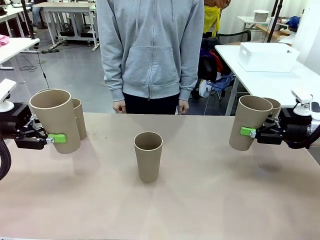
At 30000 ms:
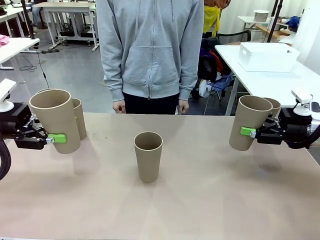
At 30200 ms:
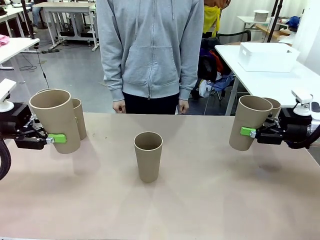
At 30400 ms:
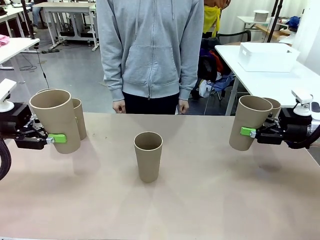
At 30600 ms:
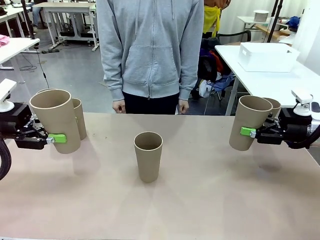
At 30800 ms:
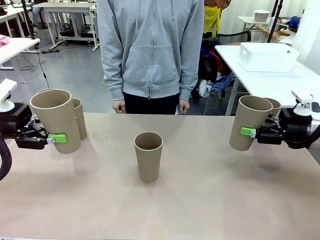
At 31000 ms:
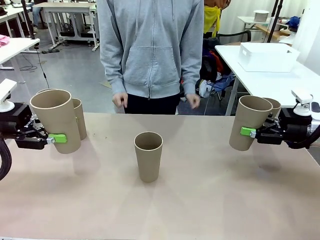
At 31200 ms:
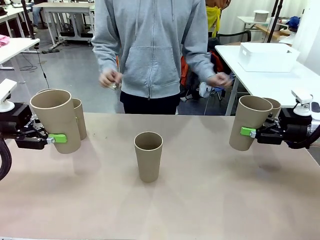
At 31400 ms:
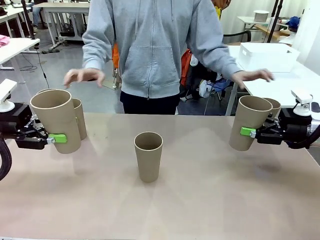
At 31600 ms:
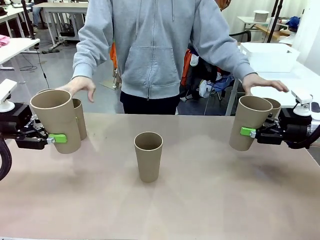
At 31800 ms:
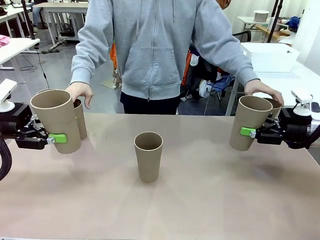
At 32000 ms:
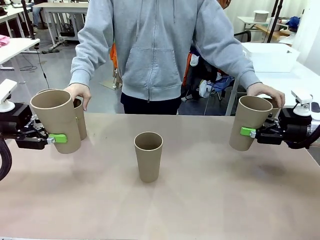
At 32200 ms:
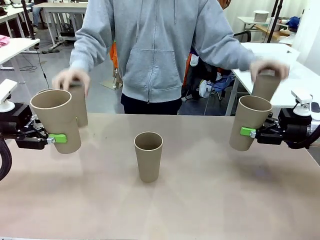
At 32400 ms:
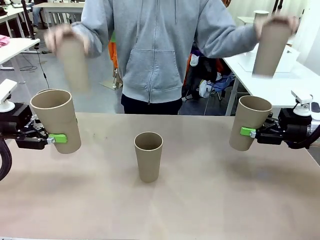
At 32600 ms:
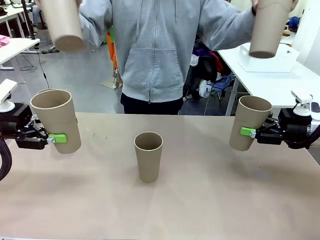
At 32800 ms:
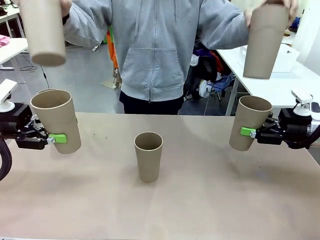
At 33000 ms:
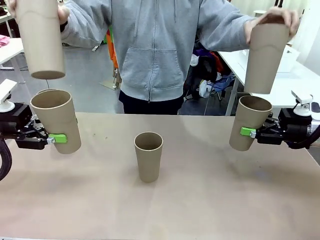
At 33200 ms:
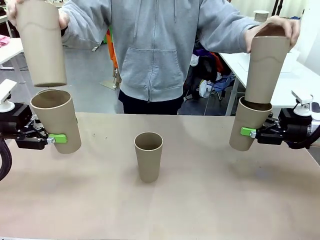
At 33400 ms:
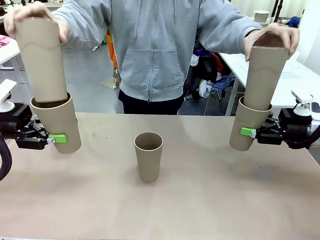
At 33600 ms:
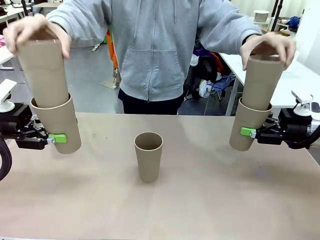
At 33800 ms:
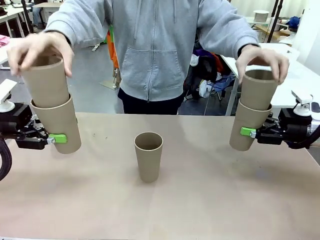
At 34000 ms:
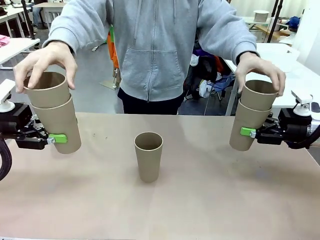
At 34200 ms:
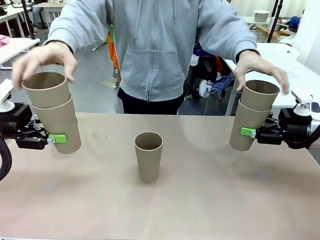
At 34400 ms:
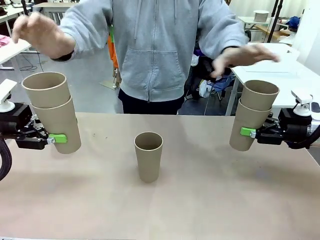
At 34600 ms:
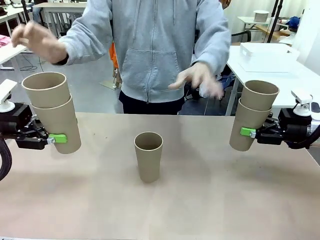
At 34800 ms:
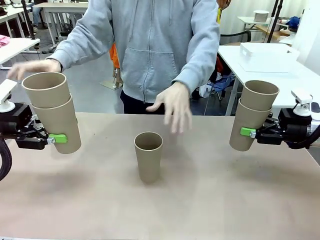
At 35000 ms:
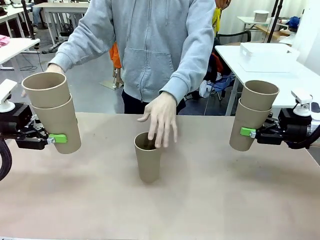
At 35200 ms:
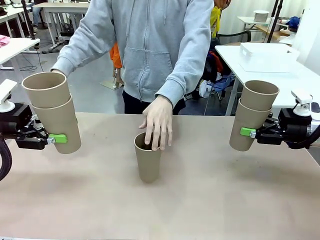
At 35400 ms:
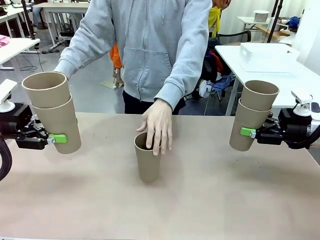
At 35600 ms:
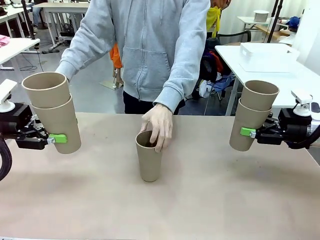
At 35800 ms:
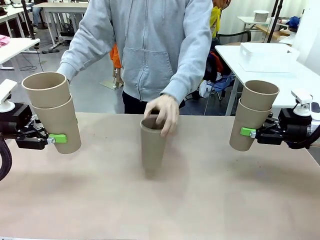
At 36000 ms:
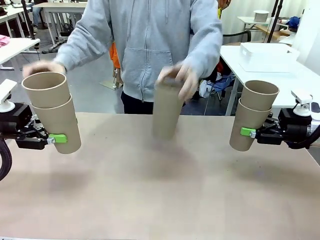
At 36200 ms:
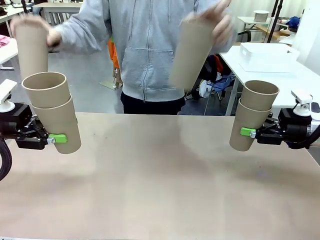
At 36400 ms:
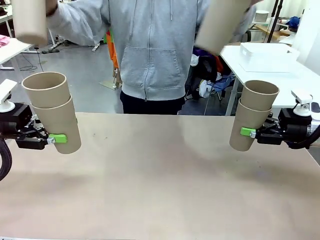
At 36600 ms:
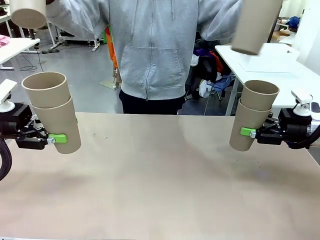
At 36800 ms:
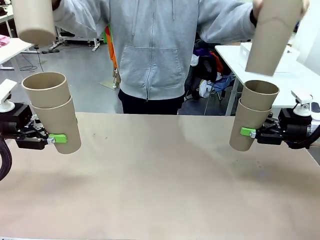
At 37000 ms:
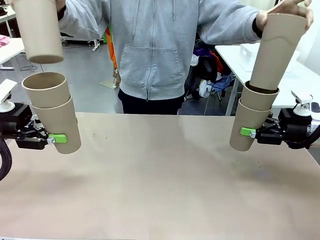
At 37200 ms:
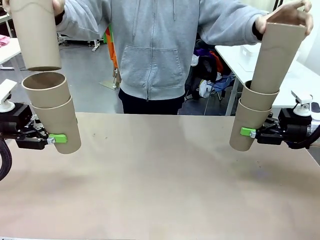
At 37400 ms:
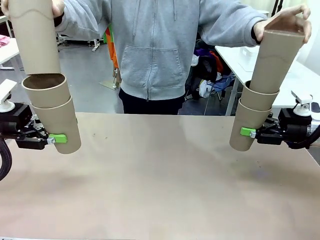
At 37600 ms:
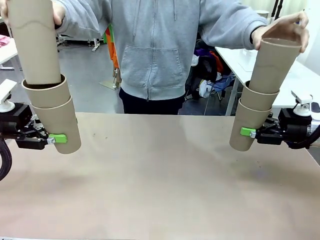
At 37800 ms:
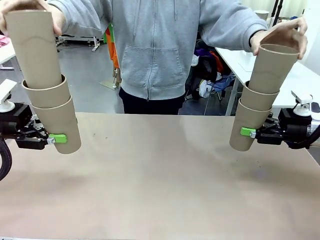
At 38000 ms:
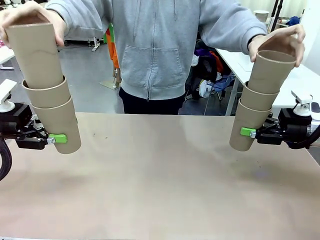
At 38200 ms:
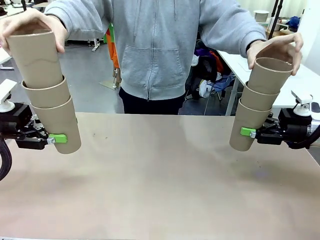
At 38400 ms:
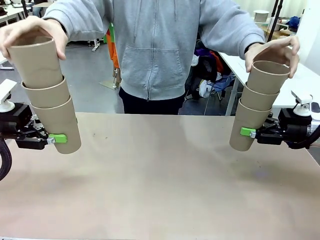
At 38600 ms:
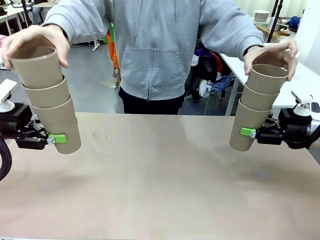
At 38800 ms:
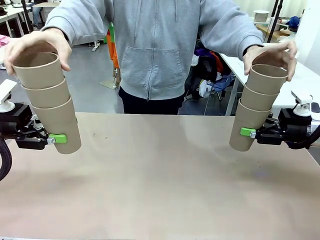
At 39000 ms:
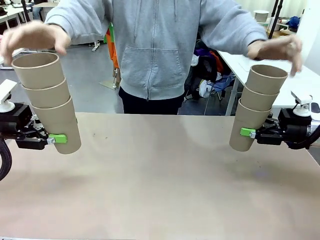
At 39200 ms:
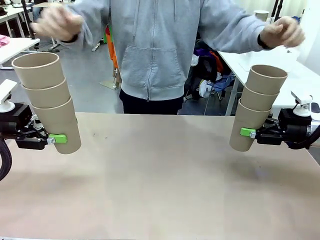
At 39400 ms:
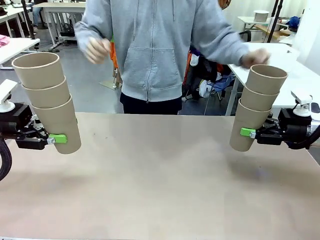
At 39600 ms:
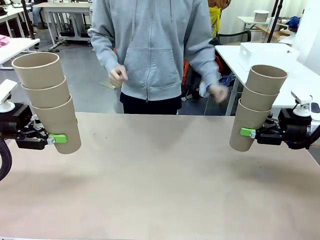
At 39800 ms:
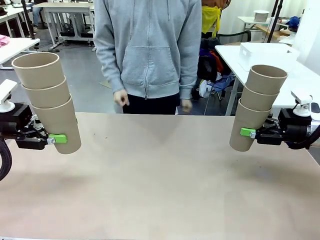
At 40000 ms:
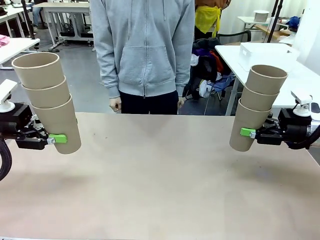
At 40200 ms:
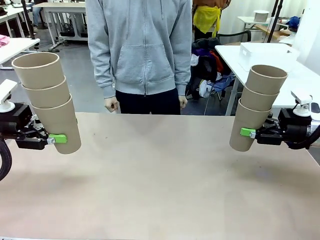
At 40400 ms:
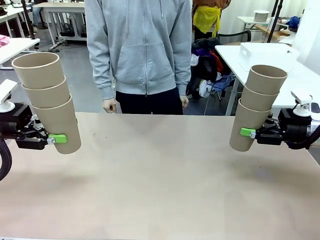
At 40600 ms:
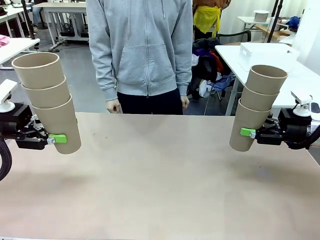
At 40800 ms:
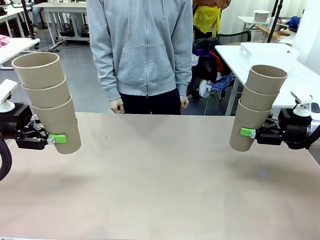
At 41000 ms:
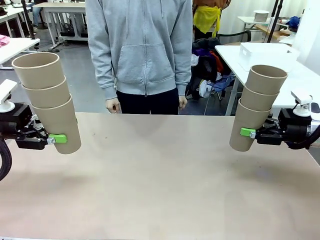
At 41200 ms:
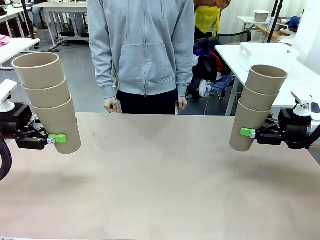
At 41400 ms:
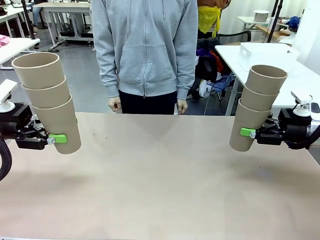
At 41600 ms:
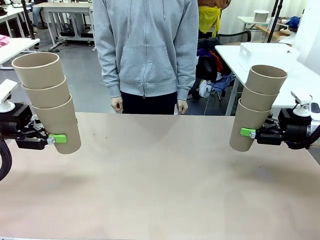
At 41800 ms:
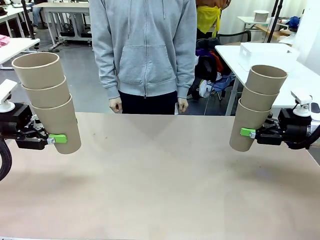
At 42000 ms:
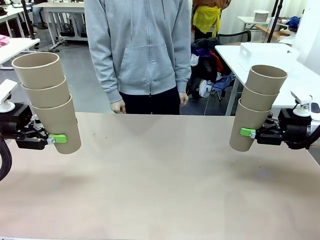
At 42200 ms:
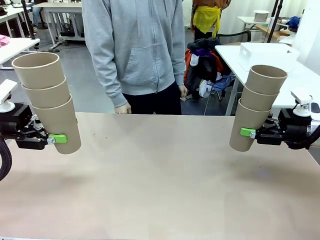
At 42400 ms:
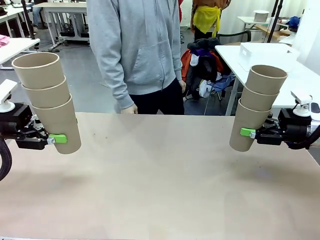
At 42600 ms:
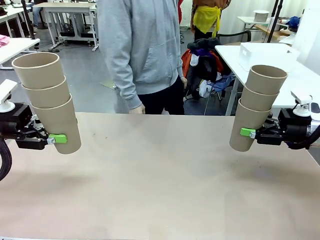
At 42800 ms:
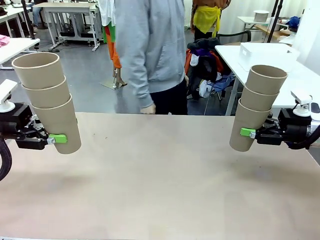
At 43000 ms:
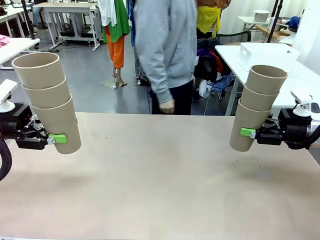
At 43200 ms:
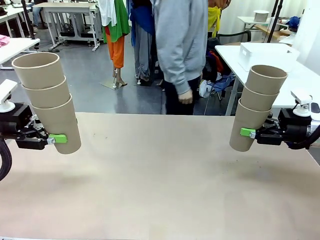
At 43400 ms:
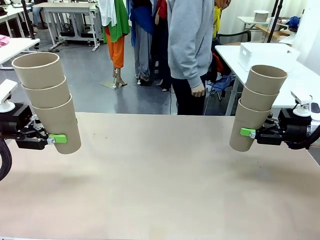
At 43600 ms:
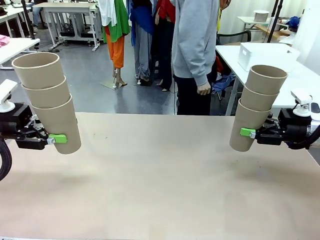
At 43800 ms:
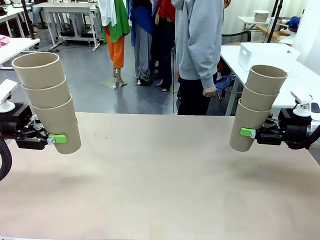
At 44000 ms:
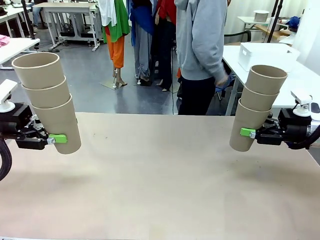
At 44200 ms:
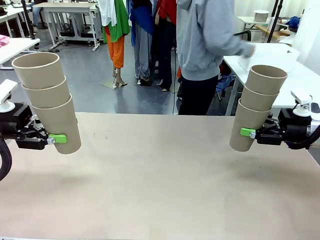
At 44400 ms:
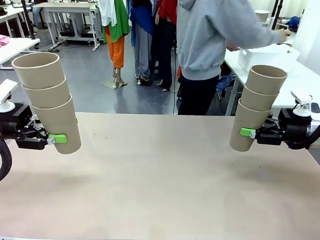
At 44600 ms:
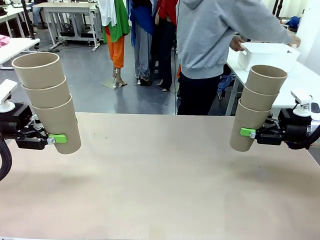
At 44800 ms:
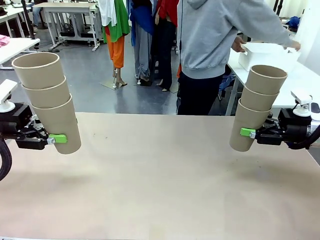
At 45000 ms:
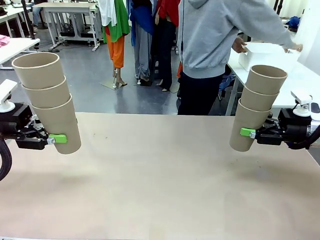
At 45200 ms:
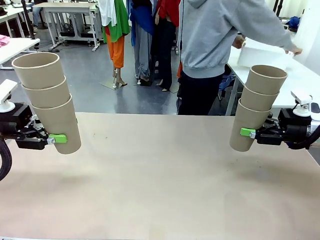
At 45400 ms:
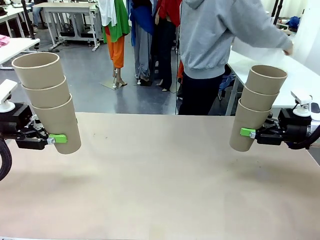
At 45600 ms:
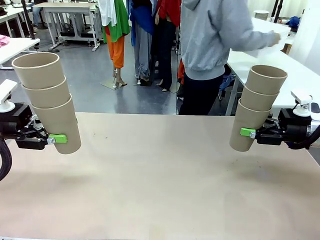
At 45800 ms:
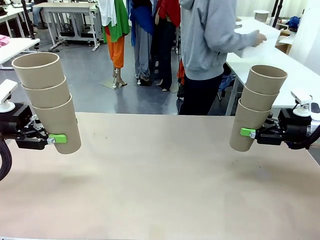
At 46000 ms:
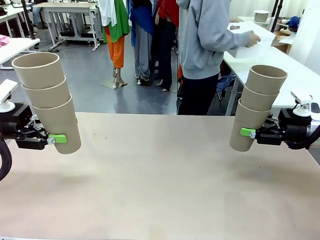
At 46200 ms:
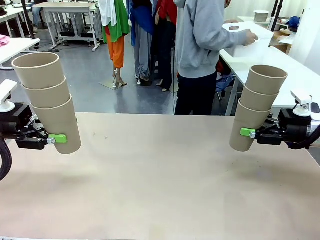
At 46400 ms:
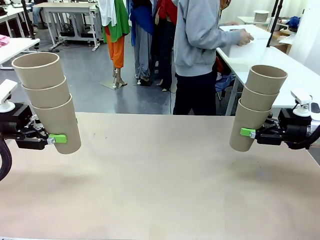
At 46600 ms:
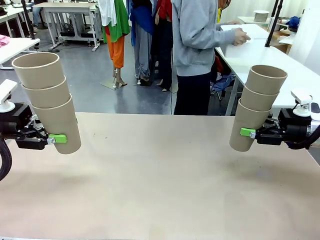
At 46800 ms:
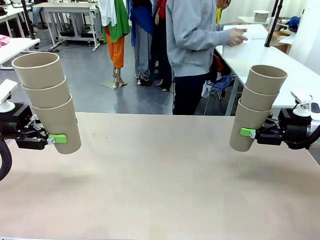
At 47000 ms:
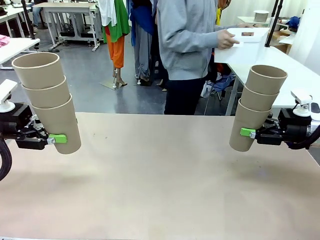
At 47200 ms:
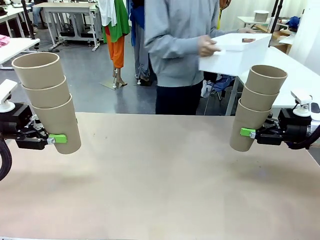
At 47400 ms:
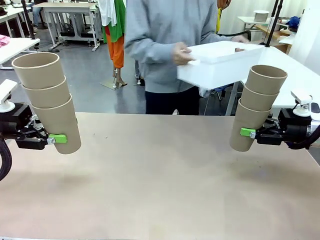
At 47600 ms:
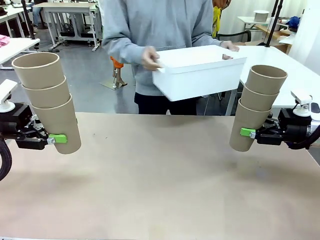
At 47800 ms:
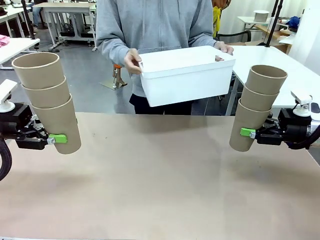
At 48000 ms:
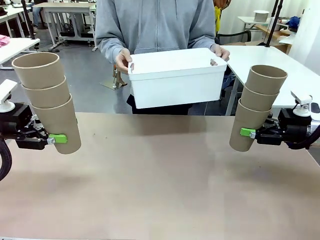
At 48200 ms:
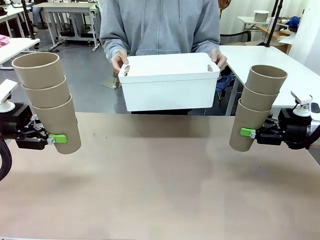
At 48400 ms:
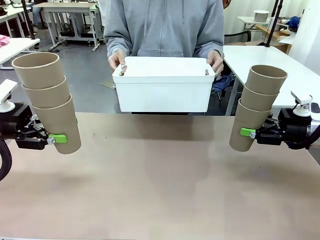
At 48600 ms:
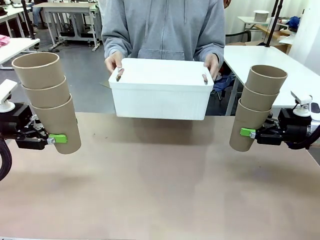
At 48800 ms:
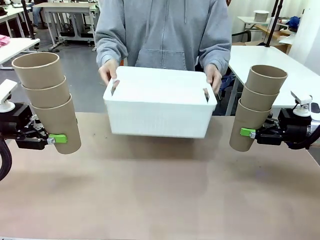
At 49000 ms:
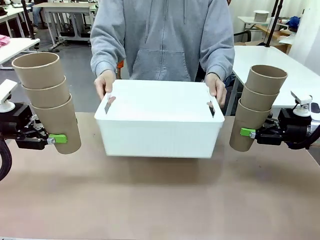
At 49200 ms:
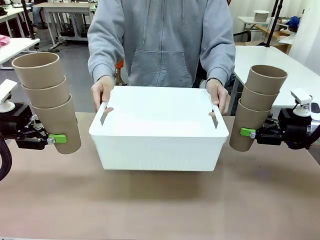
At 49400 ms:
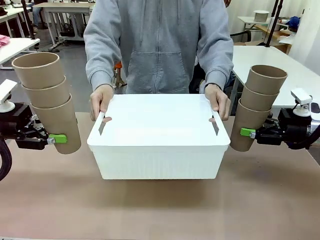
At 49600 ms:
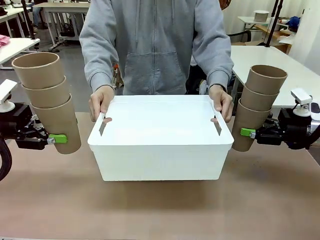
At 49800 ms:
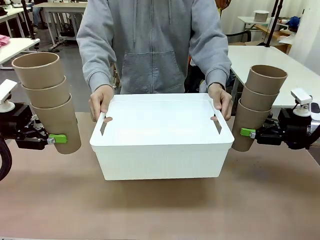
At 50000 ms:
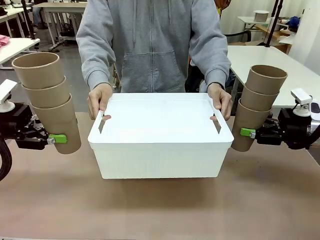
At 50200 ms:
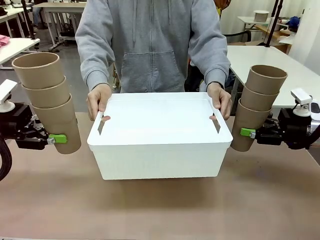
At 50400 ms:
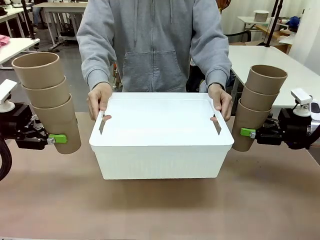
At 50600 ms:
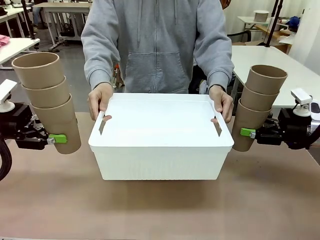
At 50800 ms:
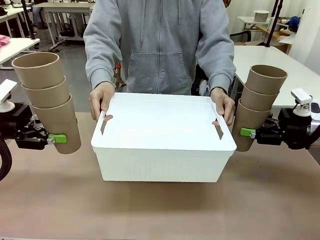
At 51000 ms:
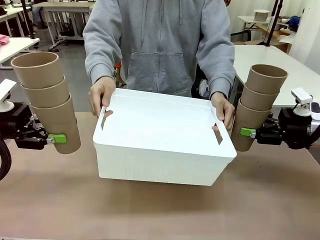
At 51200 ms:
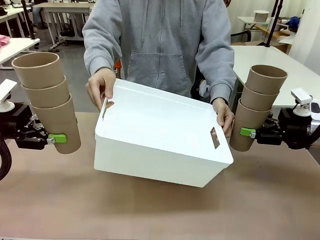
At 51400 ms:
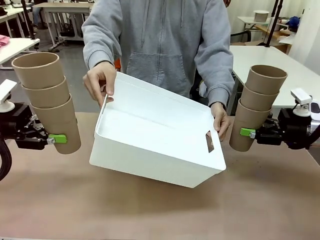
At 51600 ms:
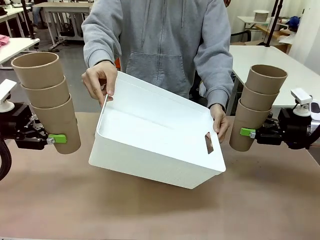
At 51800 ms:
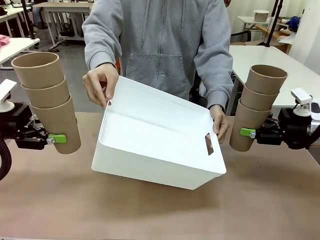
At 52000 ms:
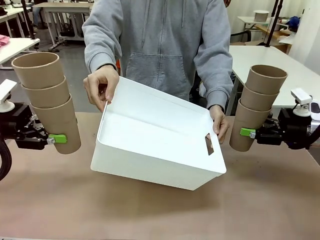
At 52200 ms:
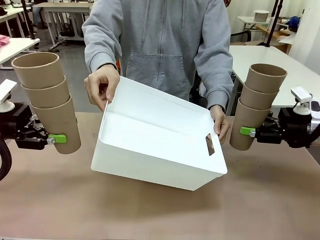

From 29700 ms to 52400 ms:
Task: Stack the cups and store them in the basket.
Robot: Place the stack of Reusable plastic cups into the Pantry Basket.
Person: Pick up the basket from the Human Table, bring it to the front of the robot, and present it.
